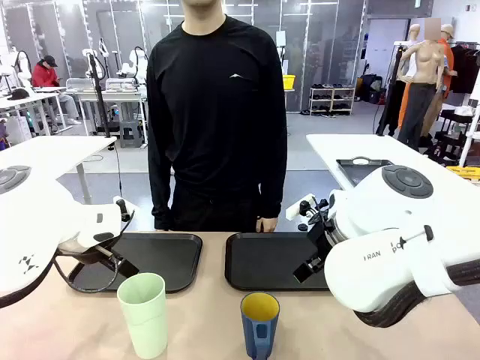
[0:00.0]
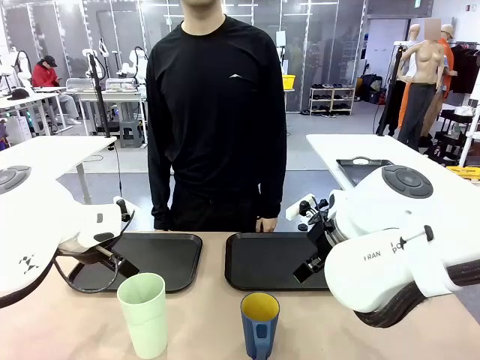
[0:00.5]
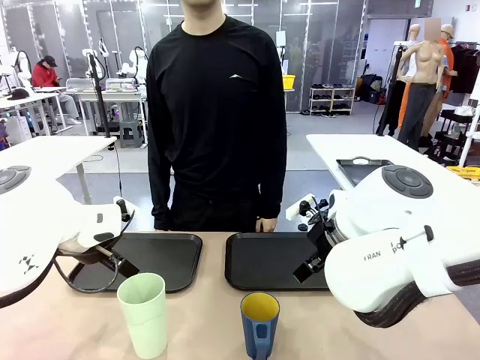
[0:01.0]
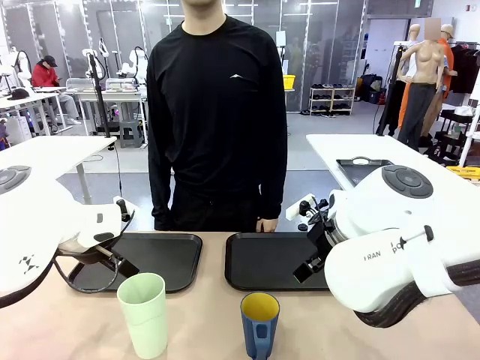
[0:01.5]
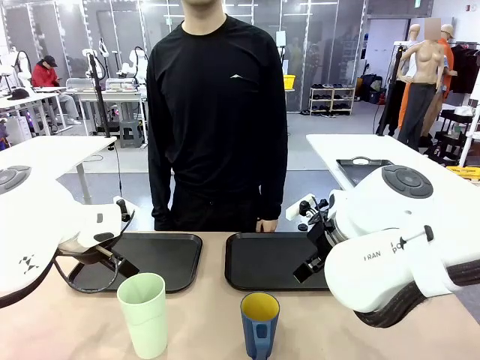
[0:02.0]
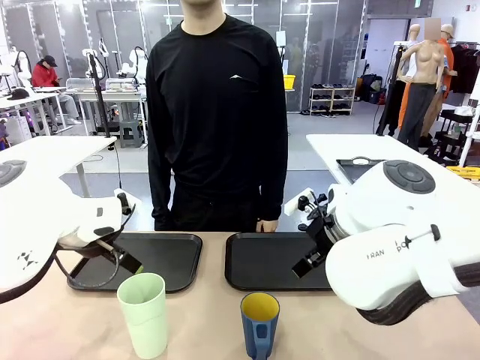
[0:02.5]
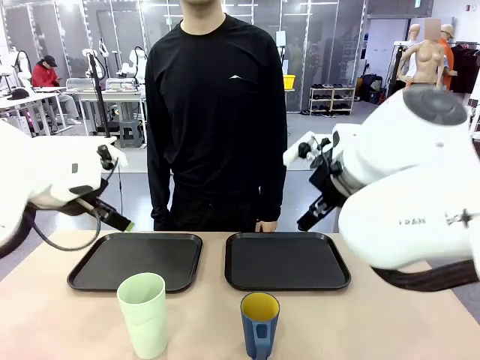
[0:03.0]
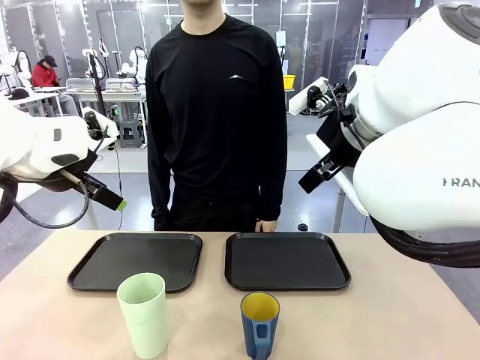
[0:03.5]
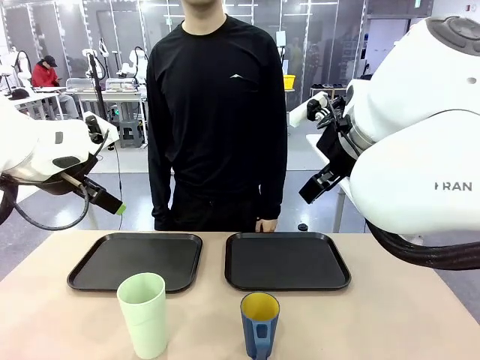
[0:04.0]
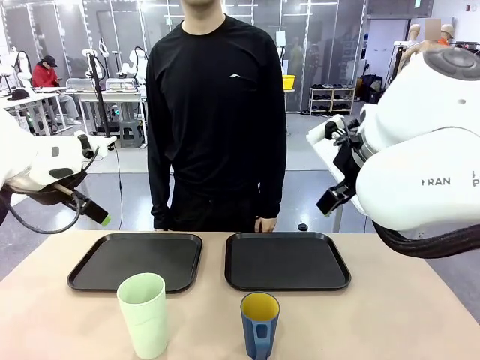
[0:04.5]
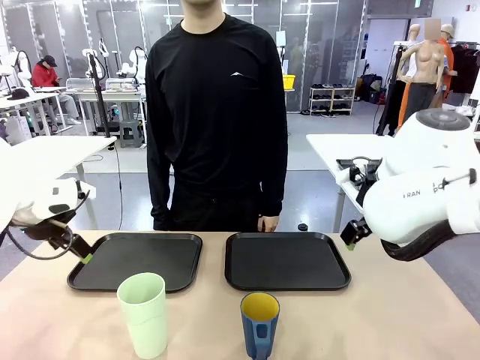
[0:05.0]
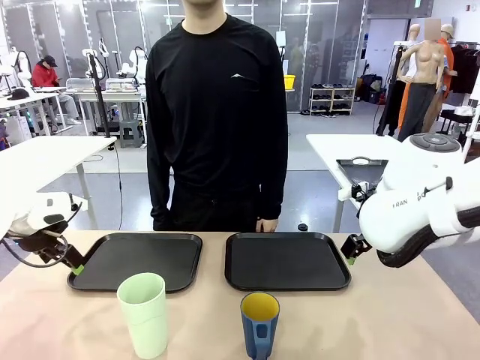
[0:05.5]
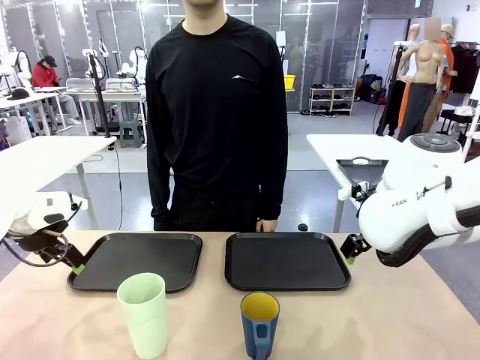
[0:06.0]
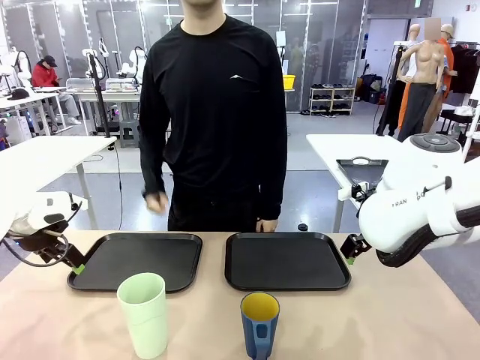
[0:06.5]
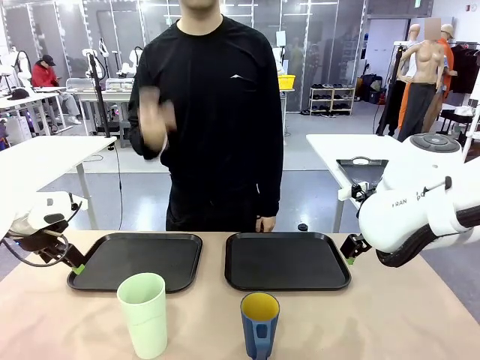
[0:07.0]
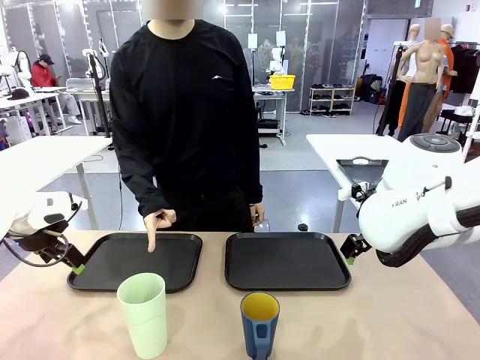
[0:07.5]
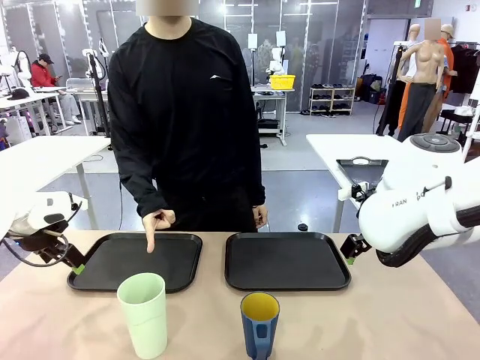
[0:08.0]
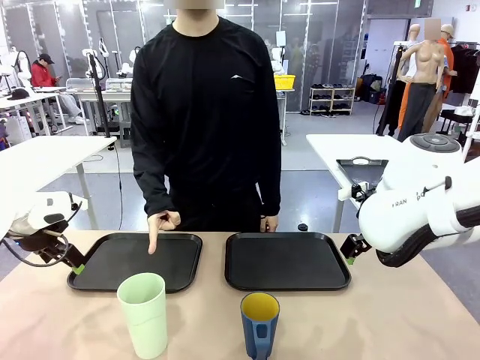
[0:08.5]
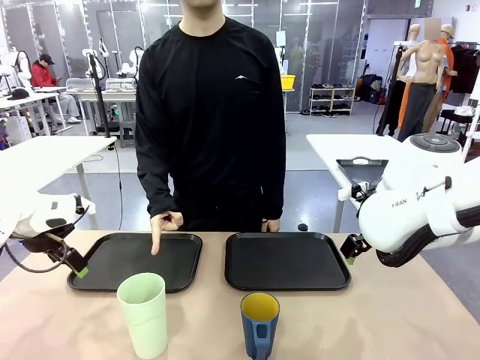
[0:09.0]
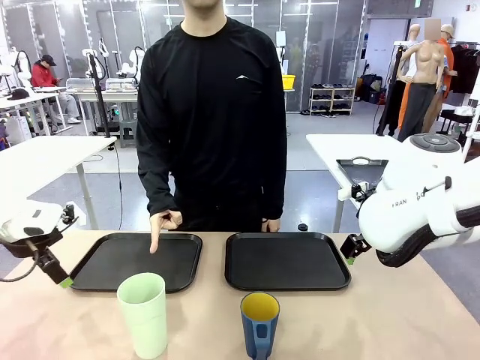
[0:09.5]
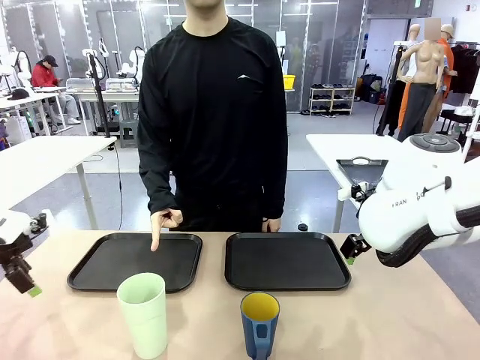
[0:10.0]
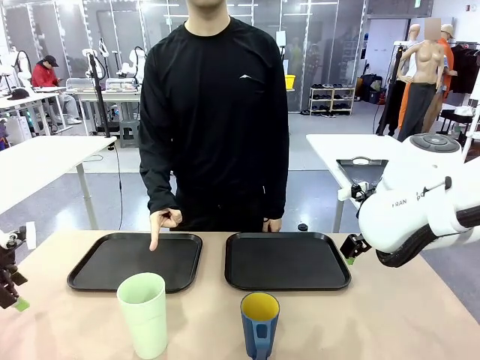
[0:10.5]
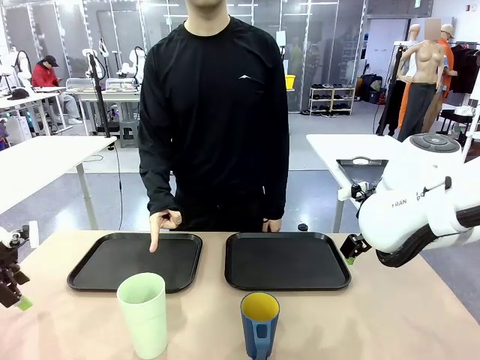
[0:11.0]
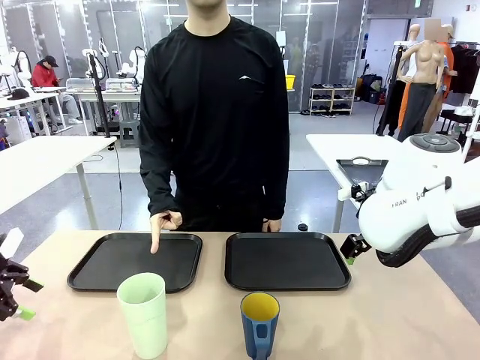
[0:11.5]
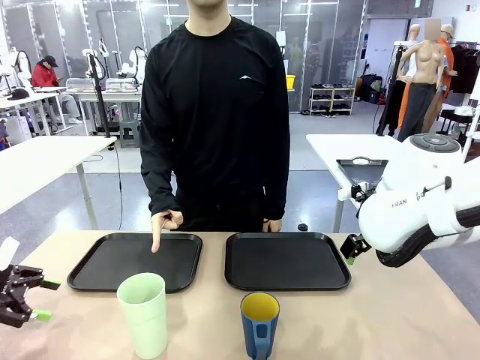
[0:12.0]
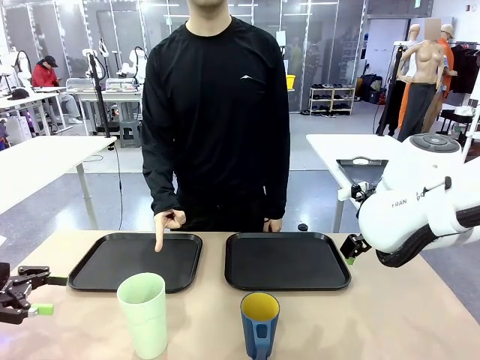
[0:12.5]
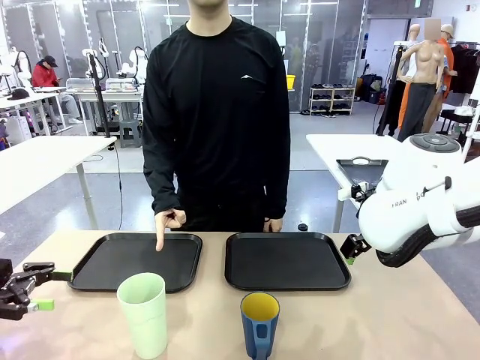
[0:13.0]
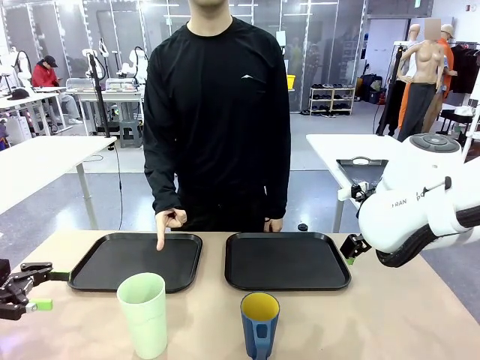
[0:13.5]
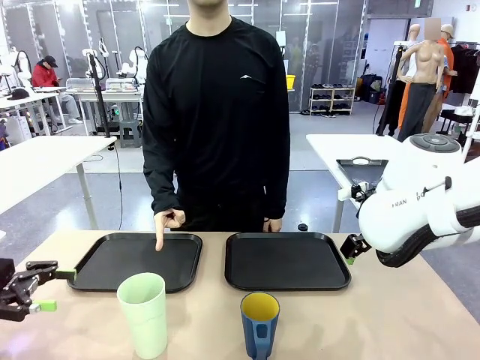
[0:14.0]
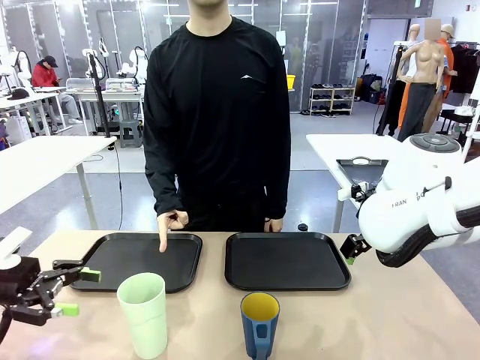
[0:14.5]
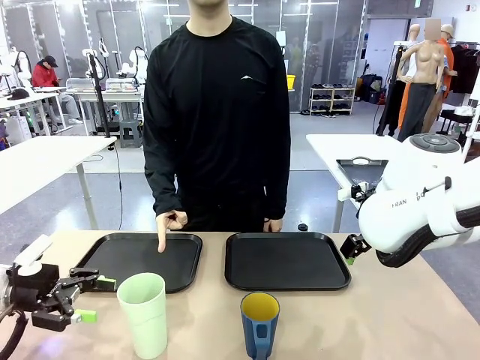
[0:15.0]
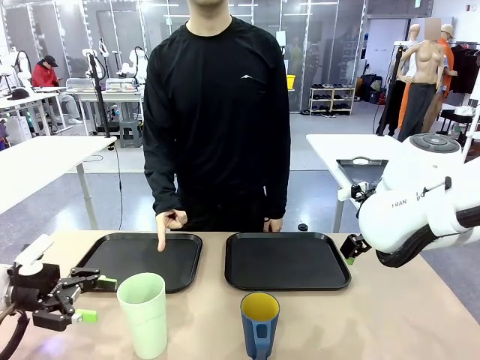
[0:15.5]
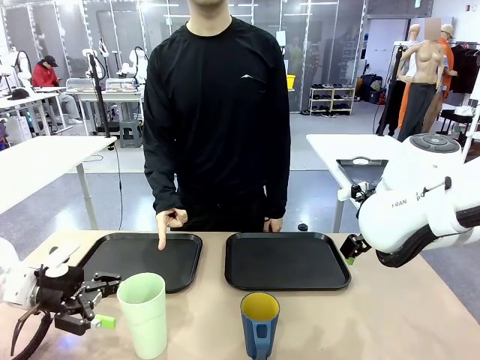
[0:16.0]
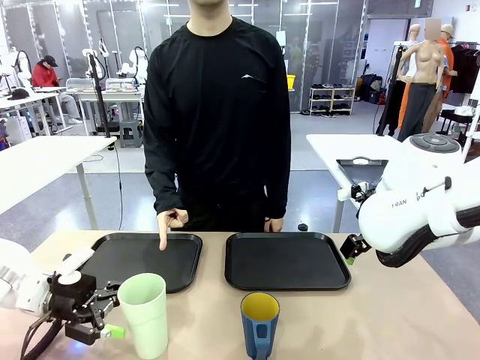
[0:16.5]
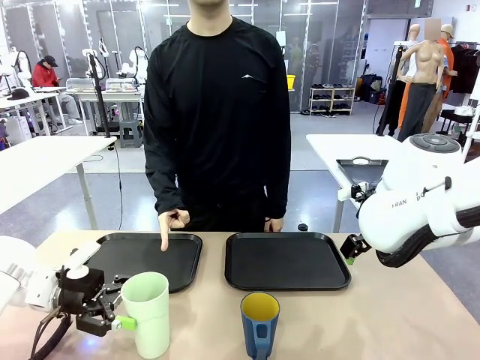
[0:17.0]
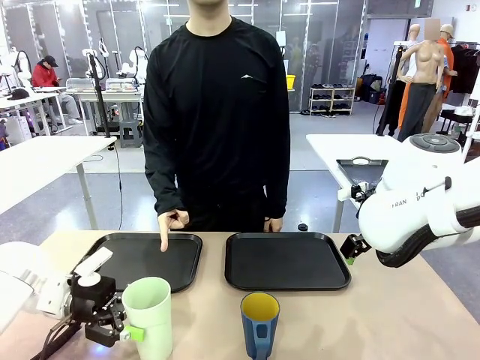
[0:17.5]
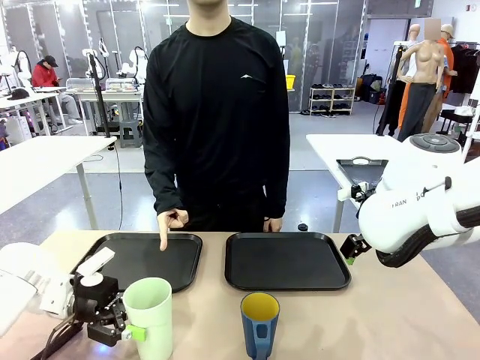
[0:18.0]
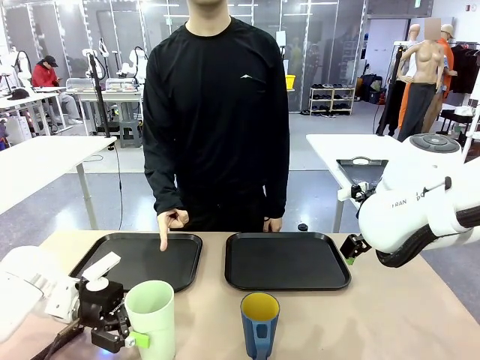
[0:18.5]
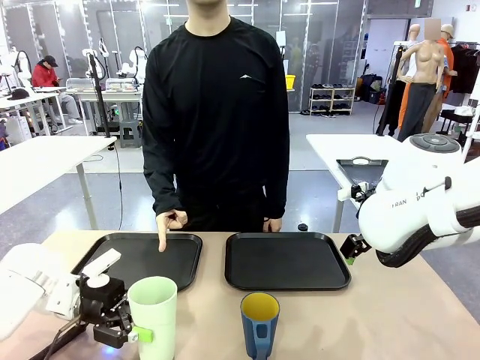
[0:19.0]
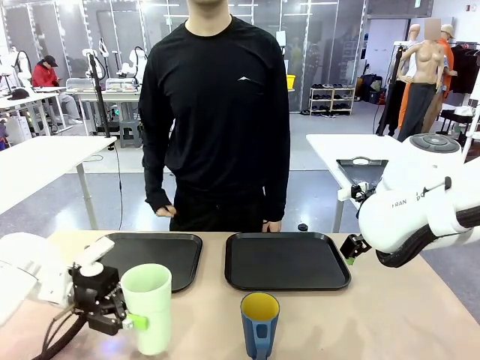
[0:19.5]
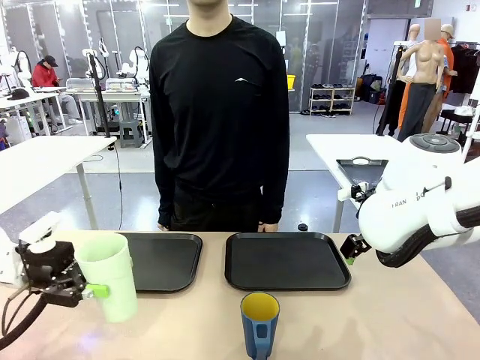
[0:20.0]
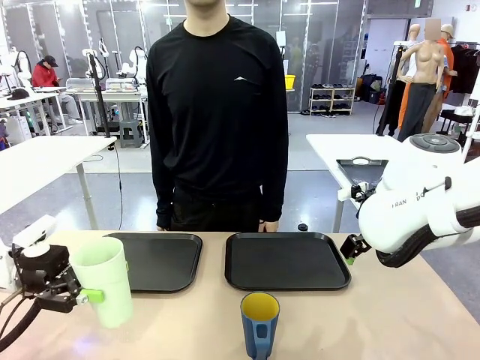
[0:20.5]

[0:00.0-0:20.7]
Task: Sort and store the cups by type.
Robot: Pick up the Reusable plastic cup.
Person: Points to the reusable cup. Point to one of the two trays.
